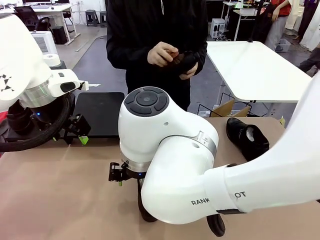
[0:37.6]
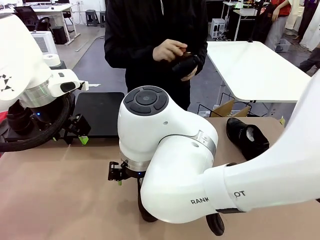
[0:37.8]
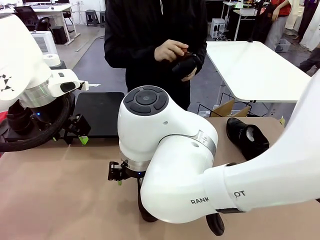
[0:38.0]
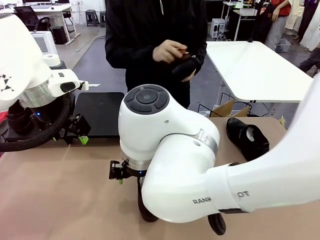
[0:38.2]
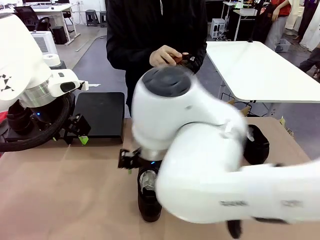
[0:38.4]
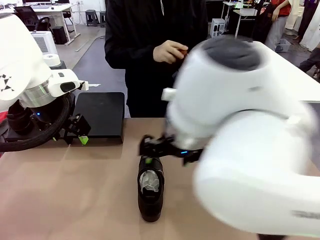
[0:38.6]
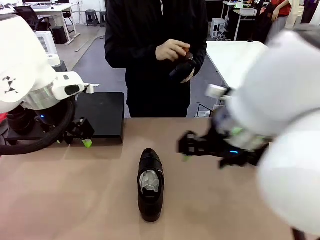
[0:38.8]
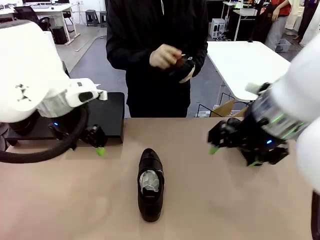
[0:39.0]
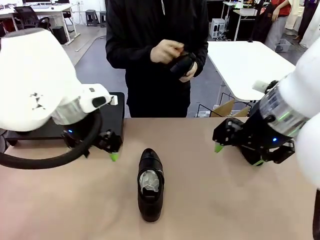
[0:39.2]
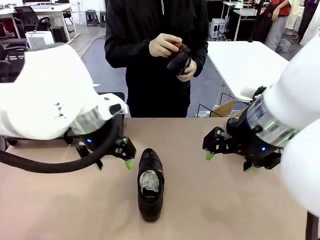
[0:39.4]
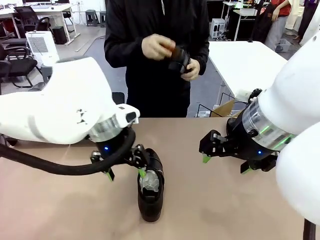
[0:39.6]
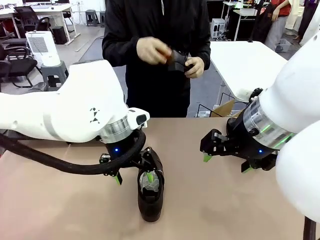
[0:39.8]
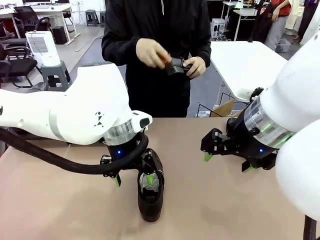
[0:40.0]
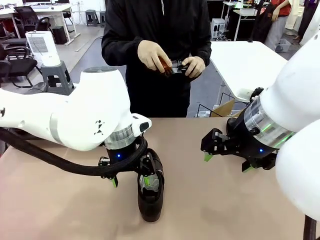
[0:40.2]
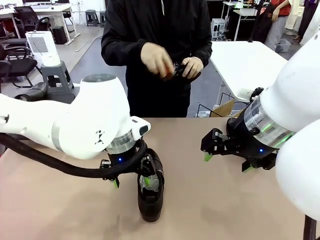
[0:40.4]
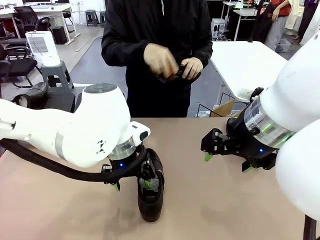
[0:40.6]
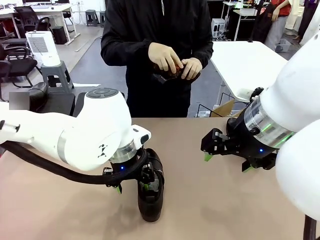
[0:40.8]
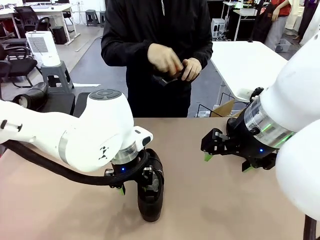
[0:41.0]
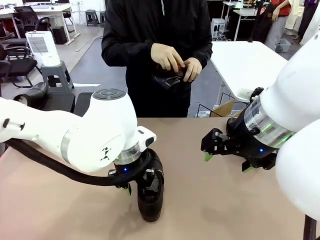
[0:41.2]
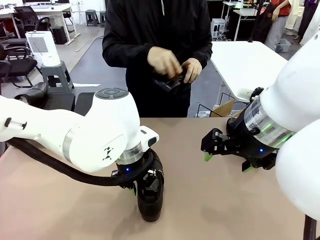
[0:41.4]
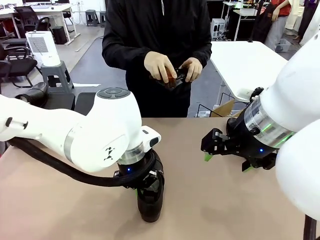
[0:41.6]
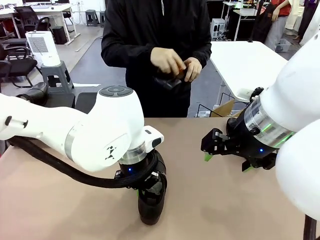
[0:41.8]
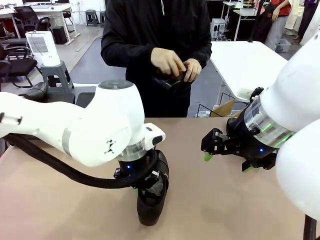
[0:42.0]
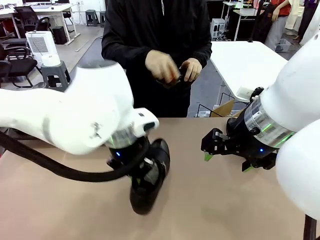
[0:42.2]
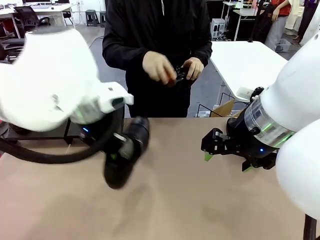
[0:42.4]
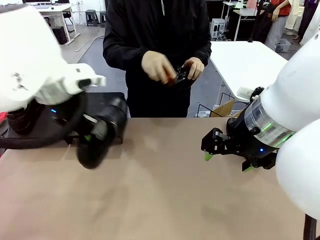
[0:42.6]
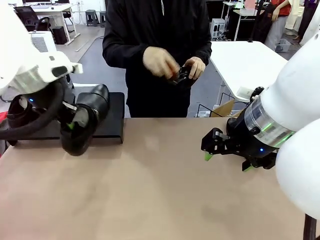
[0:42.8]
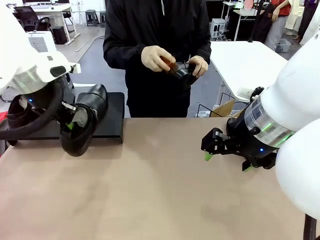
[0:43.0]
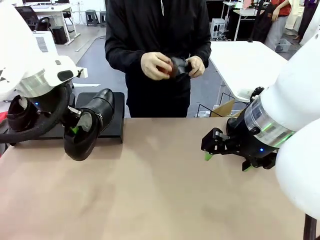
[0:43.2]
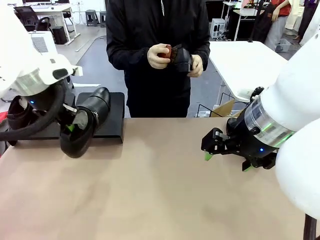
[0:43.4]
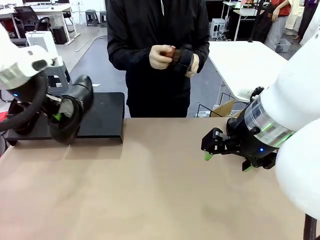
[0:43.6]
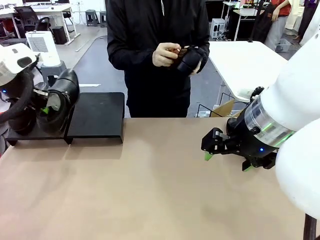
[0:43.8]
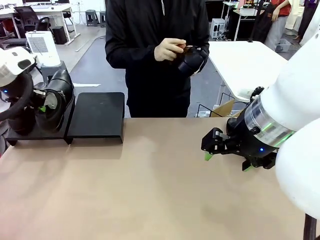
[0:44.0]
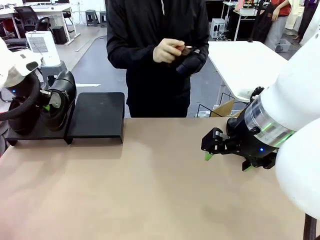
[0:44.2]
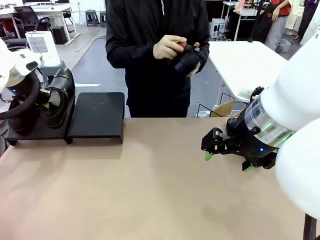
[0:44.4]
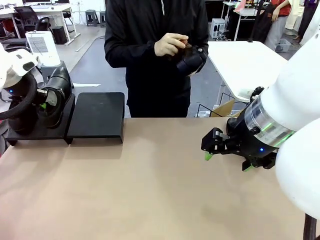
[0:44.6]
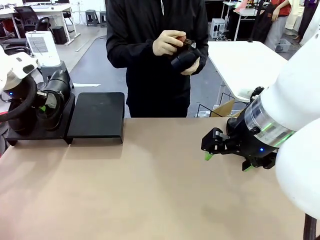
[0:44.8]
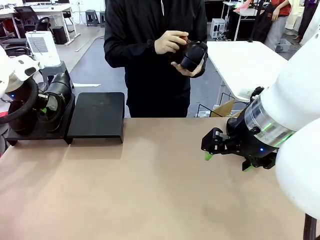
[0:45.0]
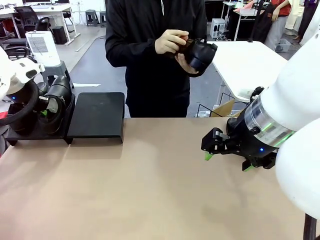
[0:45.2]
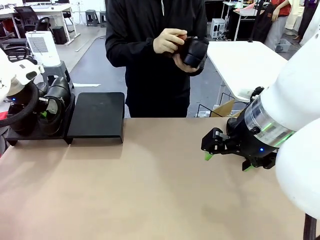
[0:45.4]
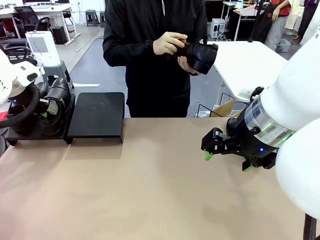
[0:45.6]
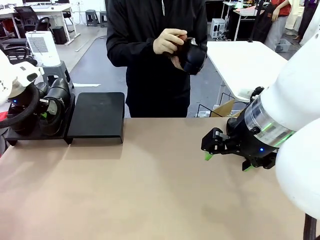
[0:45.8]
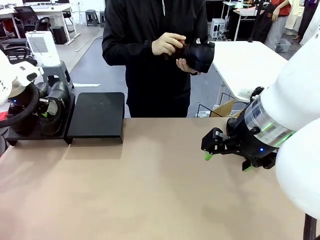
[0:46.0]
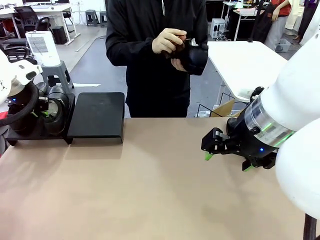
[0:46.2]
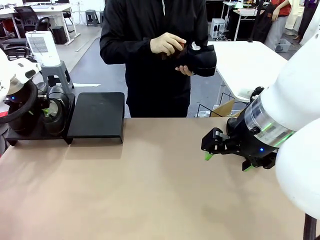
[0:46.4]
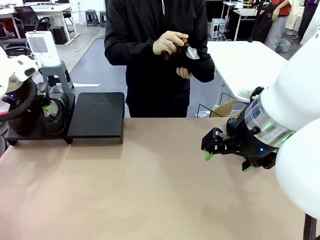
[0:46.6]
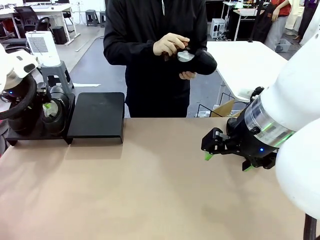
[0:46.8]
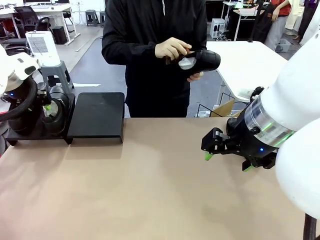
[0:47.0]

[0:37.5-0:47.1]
Task: Organize the shoes by placing them on the stand.
Robot: Place the Shoe from the middle of the table onto the Shoes Stand.

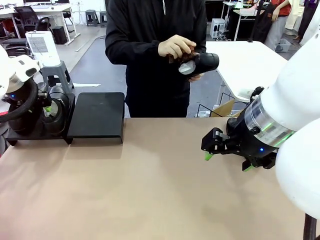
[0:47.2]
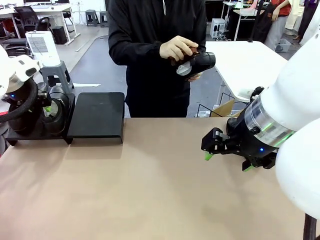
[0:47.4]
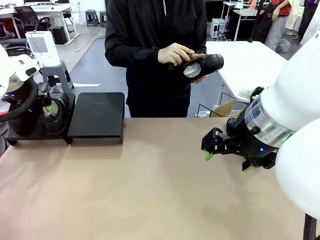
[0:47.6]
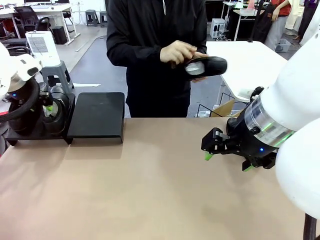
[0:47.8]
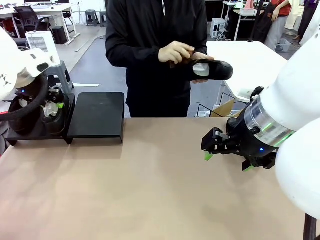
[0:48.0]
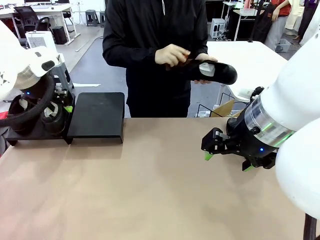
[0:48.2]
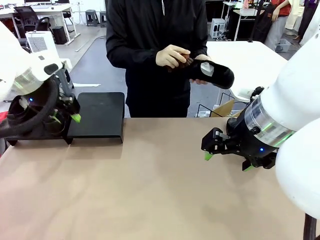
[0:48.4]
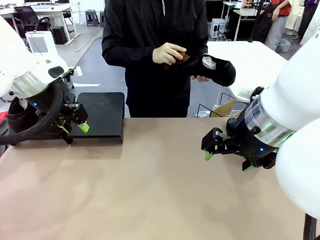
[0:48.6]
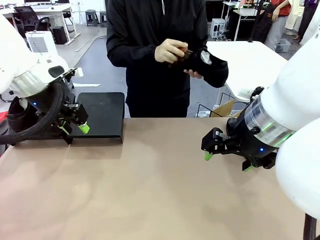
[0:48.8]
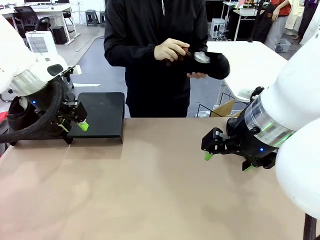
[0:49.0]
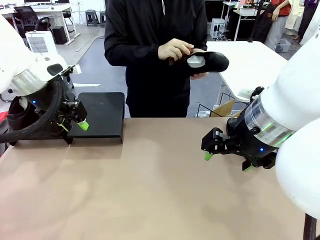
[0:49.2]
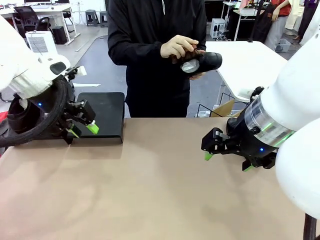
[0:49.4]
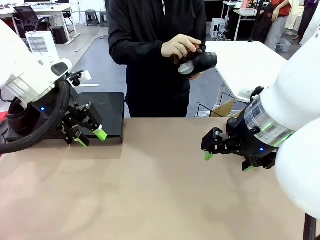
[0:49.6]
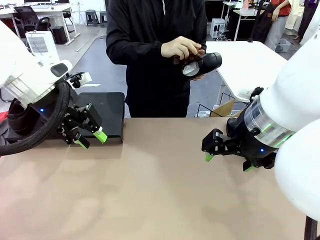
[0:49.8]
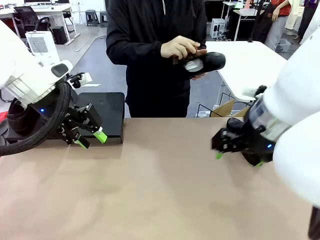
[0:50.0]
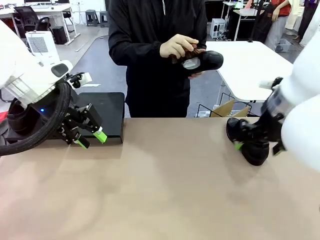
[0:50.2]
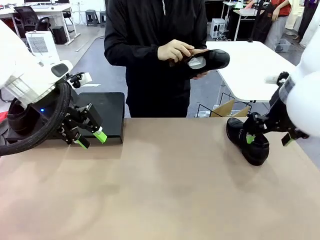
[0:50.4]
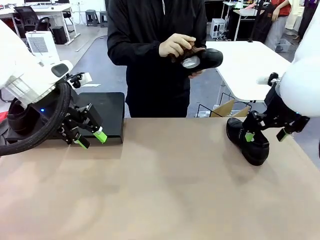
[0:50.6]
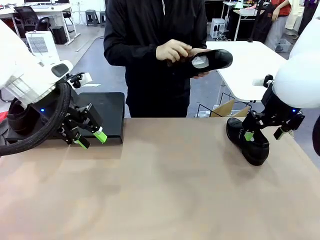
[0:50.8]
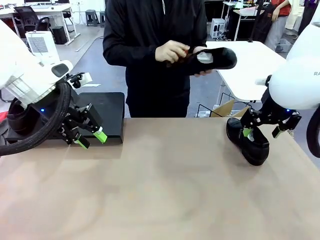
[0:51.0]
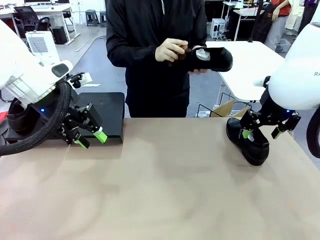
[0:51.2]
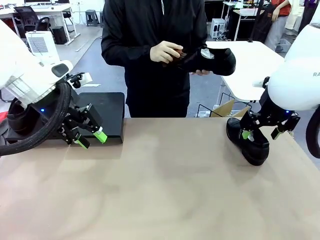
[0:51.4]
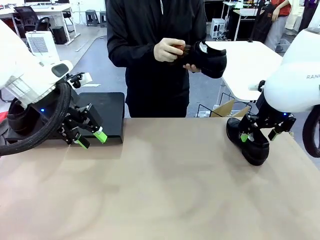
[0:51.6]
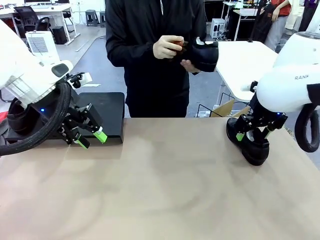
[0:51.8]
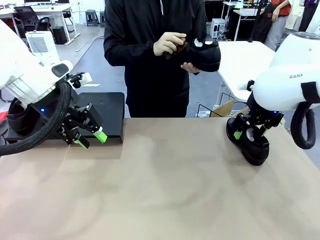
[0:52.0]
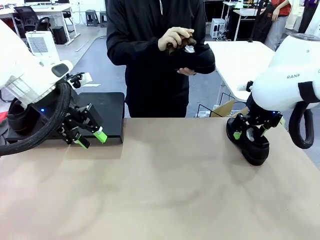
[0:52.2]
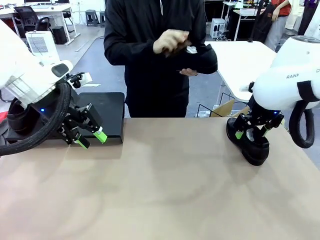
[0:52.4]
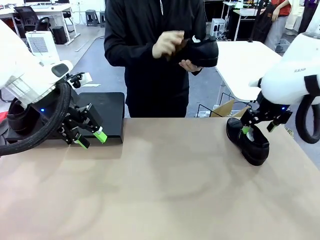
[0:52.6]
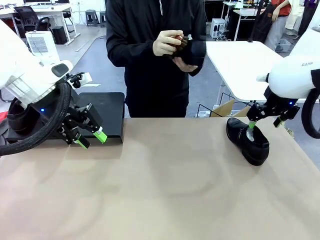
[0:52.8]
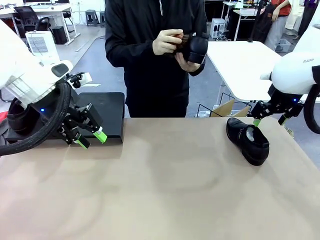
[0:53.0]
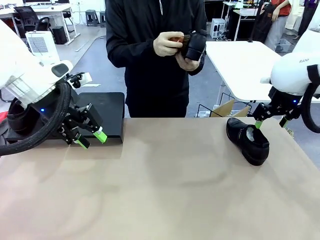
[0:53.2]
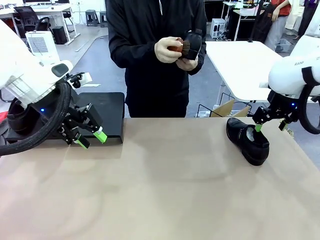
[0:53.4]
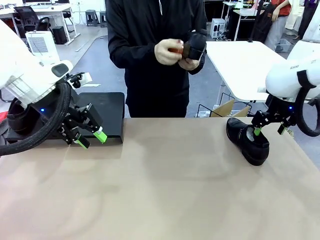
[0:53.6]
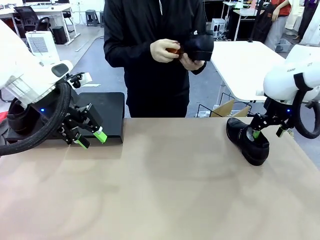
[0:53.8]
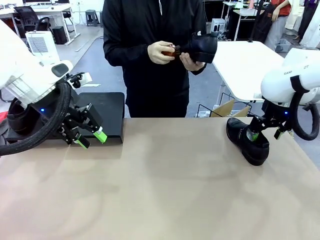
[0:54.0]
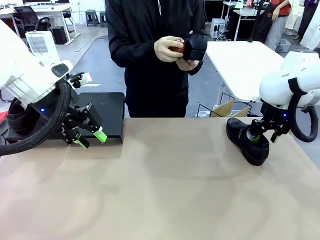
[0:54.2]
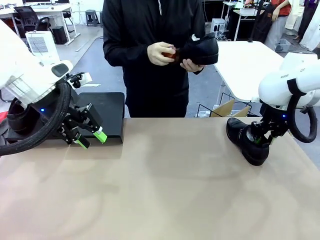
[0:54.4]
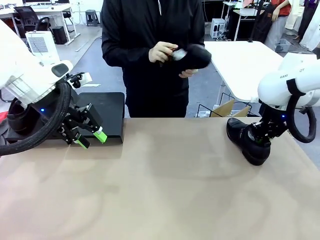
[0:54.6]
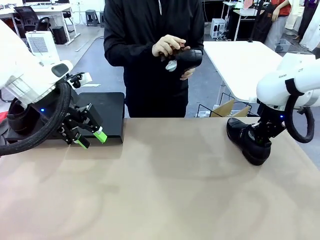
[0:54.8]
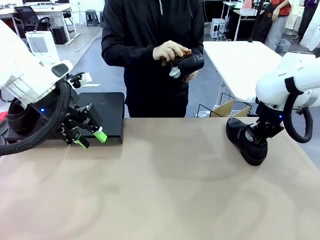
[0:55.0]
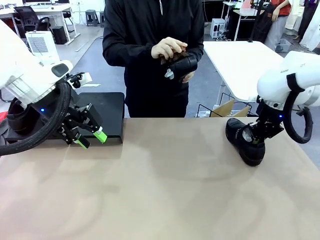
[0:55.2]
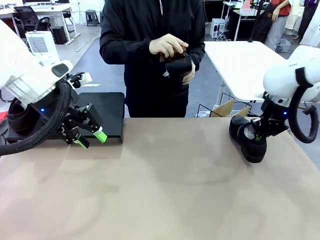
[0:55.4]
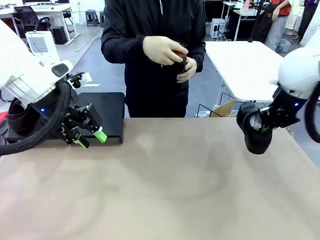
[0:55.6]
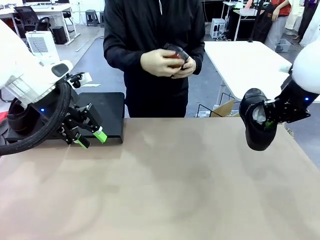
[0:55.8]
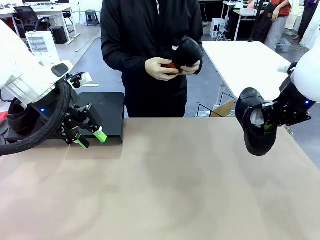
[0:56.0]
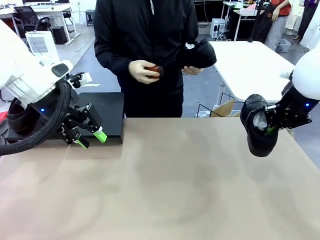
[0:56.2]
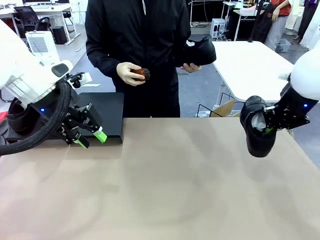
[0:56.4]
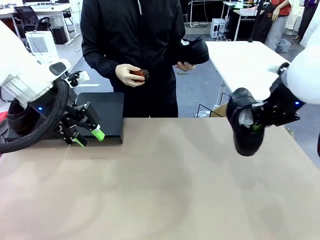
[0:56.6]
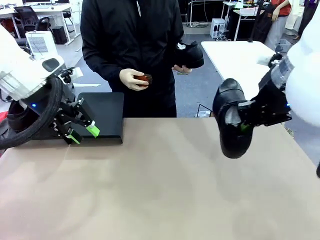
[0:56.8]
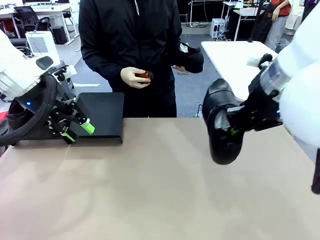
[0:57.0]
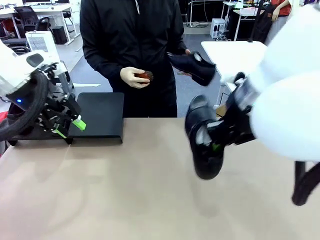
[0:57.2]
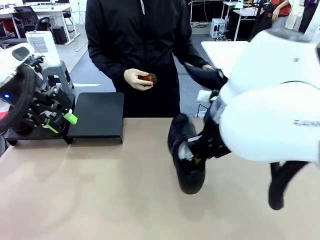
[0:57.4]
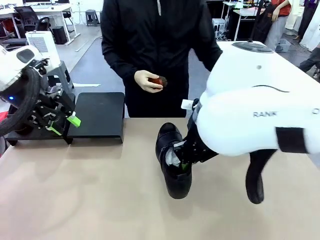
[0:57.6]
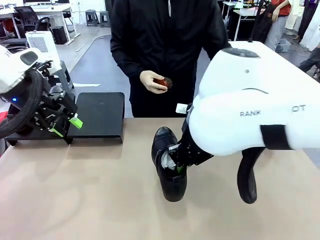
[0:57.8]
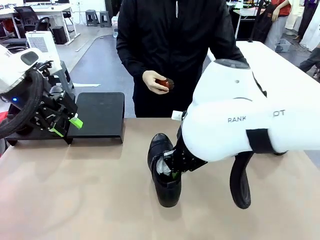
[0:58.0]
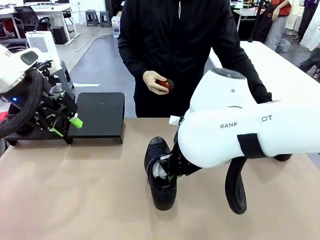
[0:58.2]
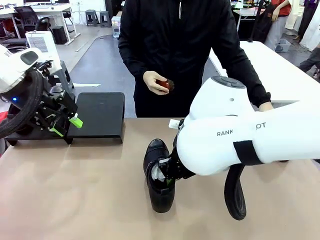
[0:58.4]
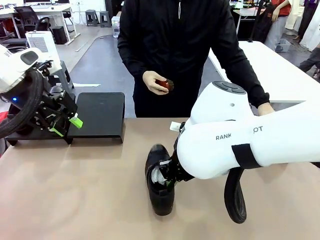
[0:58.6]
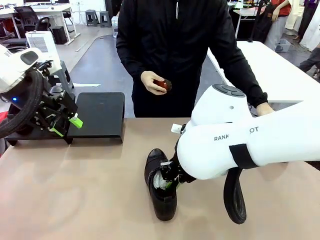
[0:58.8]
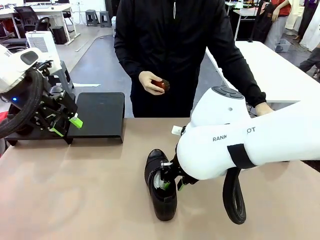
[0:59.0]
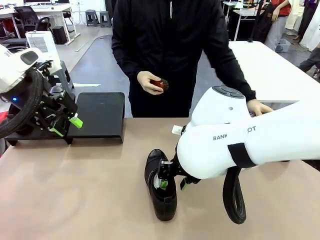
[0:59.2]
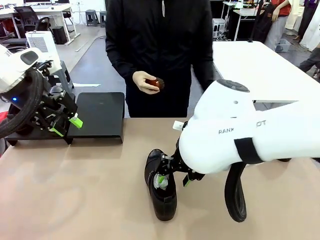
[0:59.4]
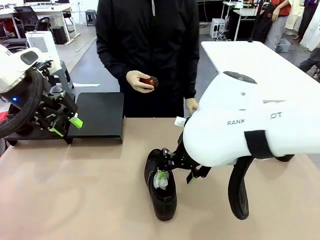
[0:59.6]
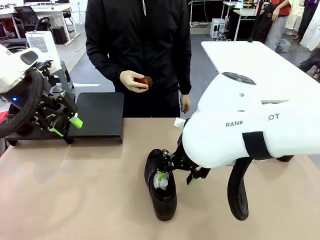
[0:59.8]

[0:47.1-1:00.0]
Robot: Pick up one Shoe and place it in the middle of the table.
